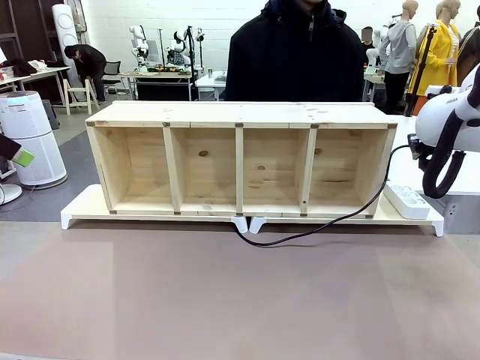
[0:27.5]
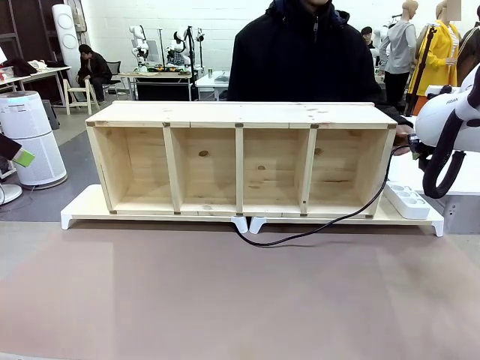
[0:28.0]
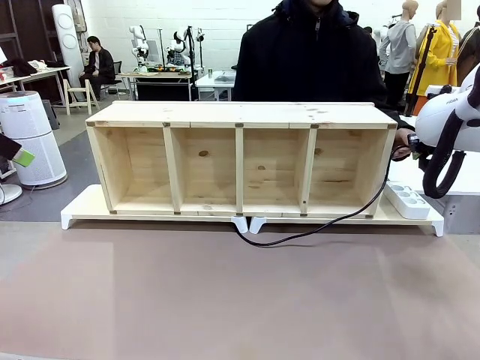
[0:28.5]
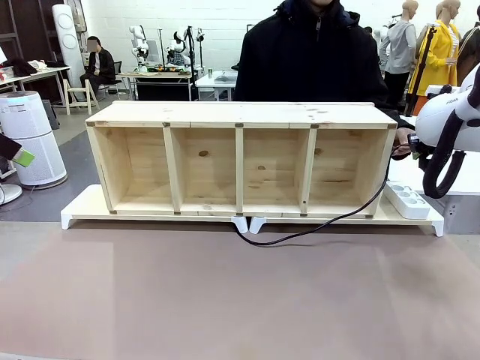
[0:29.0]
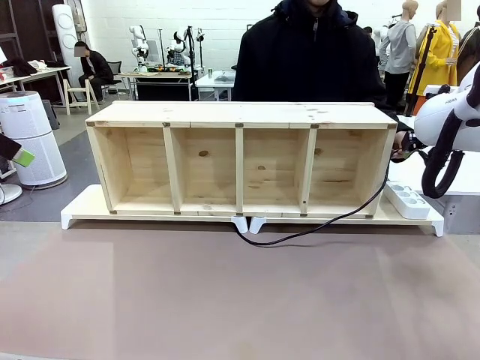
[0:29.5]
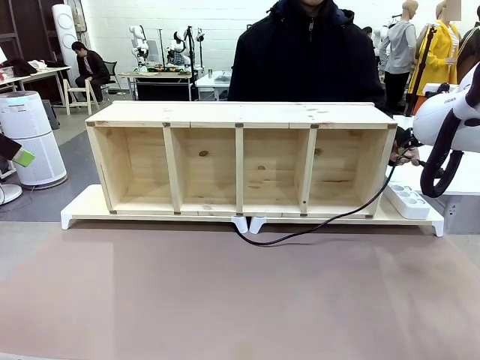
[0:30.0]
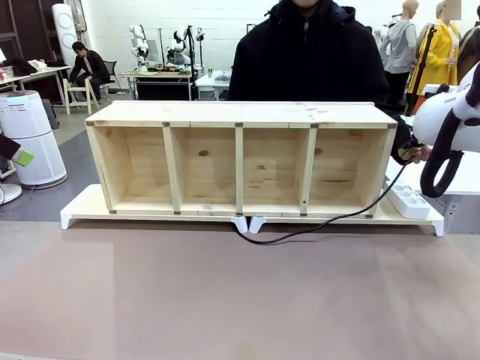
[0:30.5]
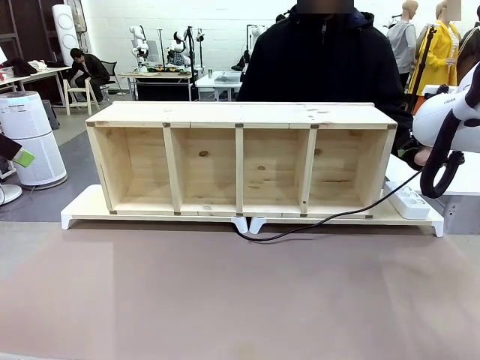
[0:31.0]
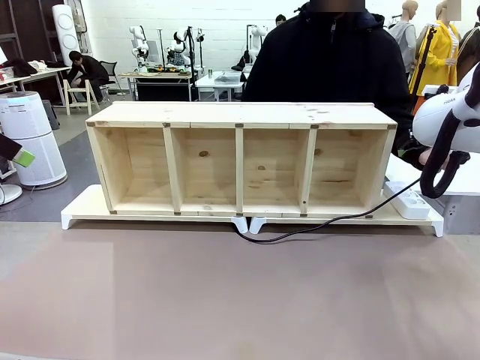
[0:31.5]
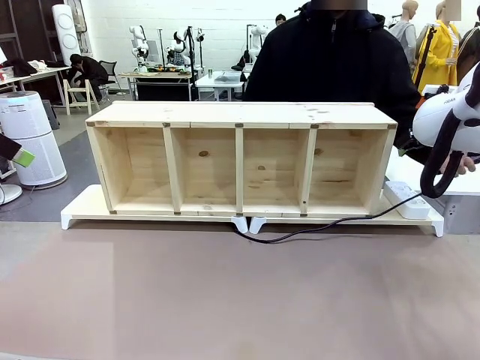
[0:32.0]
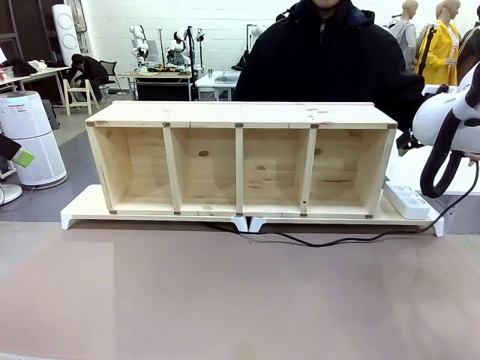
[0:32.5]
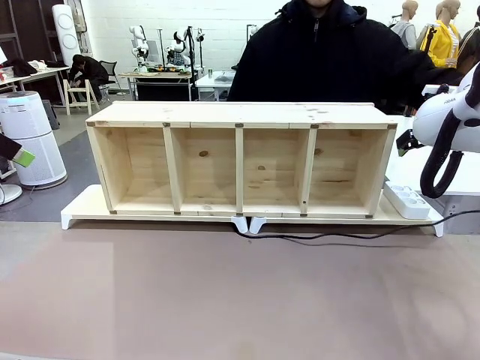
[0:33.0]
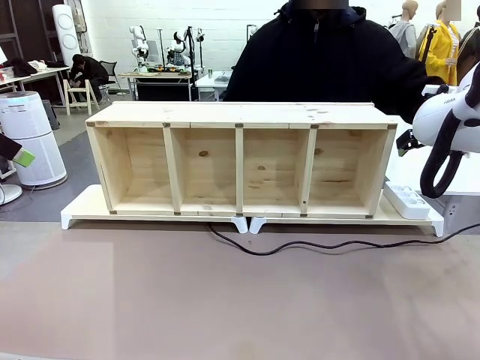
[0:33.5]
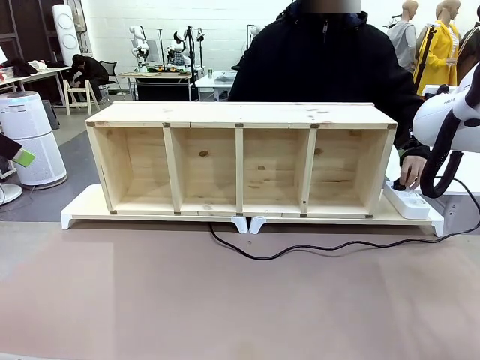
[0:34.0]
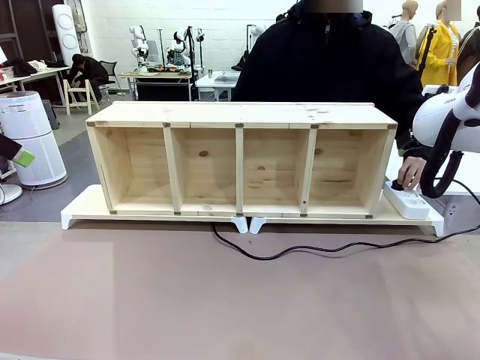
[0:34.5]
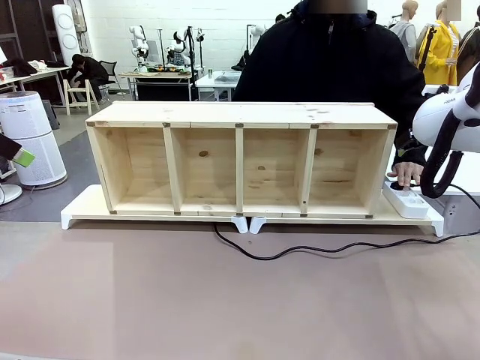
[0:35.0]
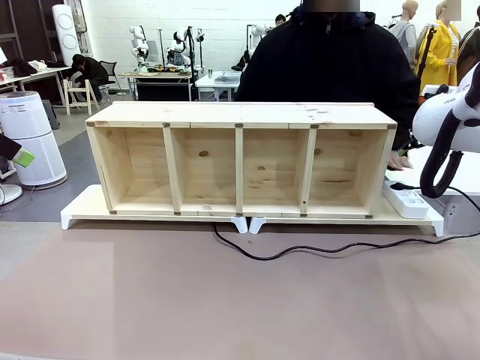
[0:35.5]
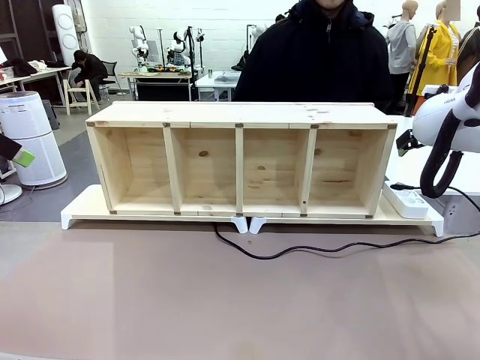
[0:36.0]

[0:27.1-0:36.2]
Task: Perform cable management.
Robot: Release the Power Cable when the human grasps it.
Person: Plug the Power Cable into the Power Strip.

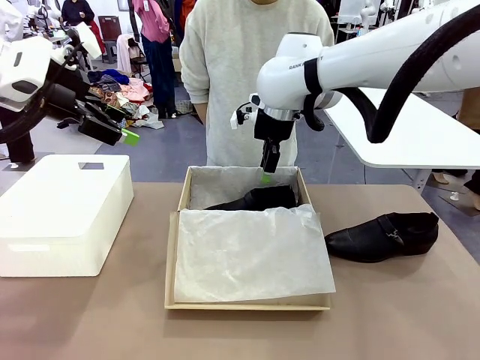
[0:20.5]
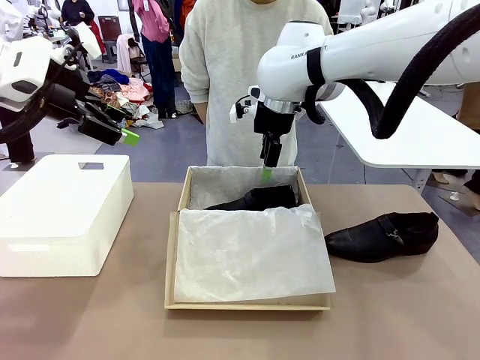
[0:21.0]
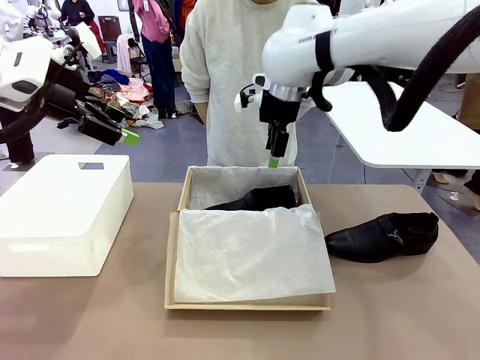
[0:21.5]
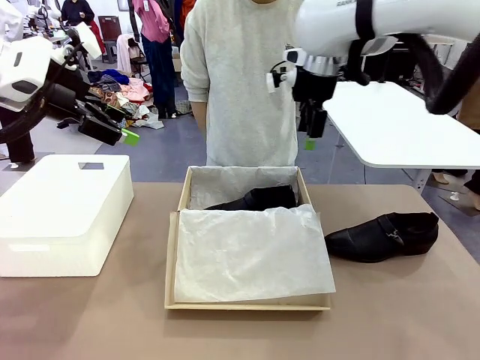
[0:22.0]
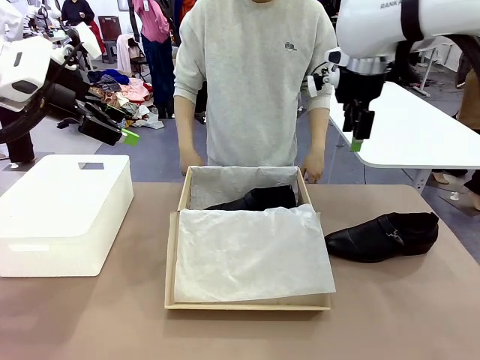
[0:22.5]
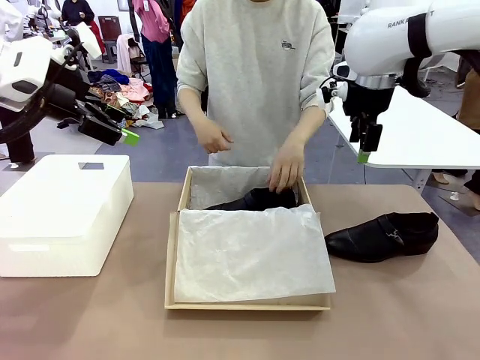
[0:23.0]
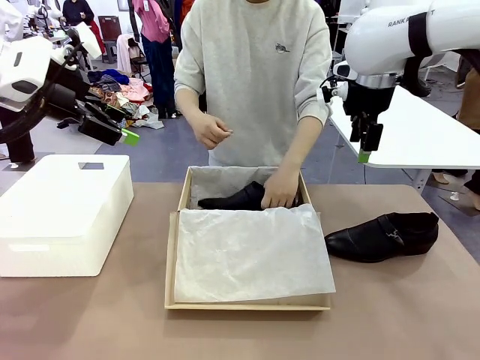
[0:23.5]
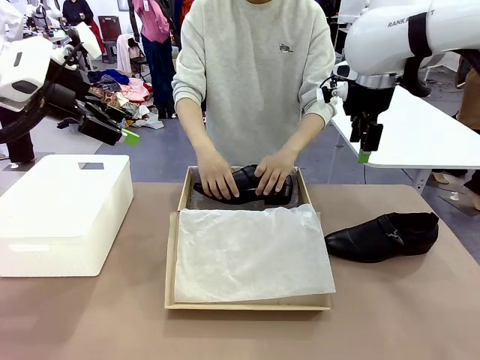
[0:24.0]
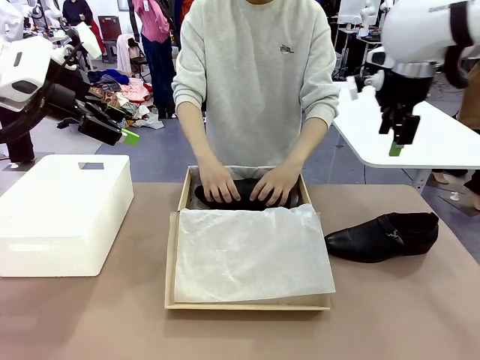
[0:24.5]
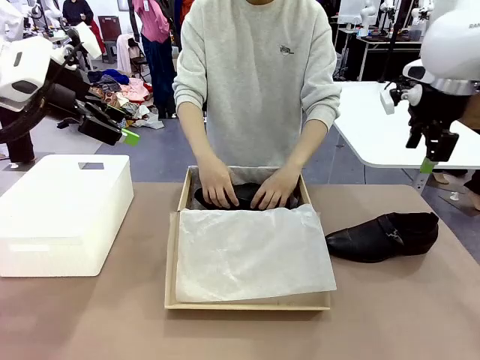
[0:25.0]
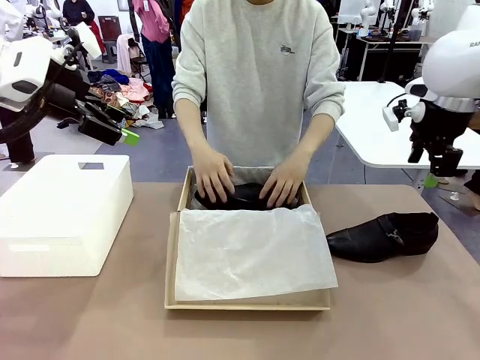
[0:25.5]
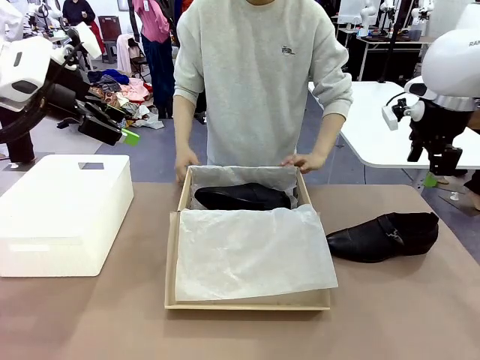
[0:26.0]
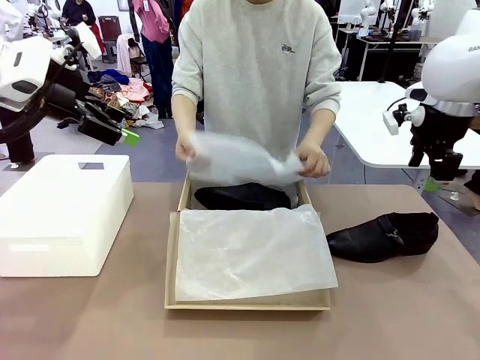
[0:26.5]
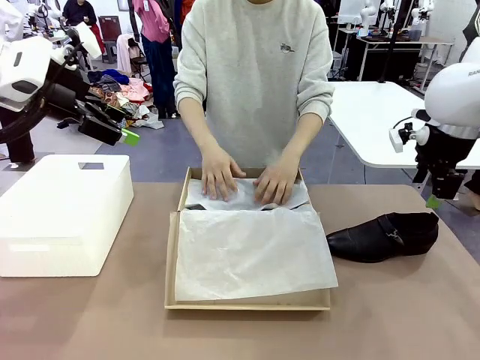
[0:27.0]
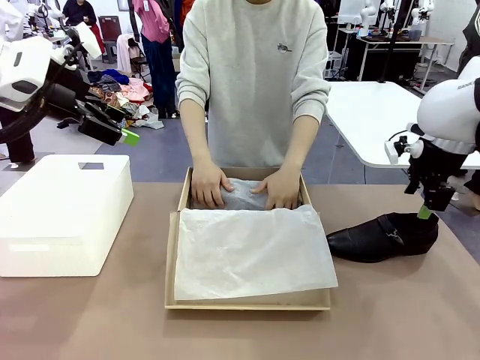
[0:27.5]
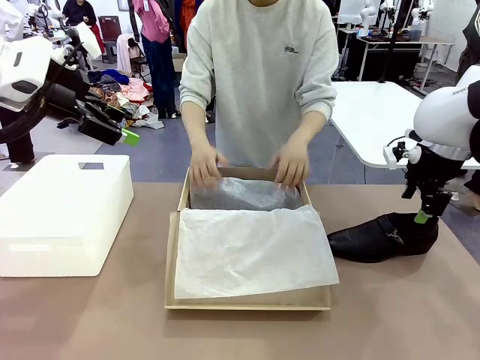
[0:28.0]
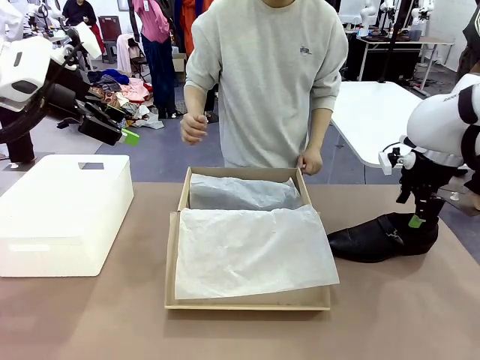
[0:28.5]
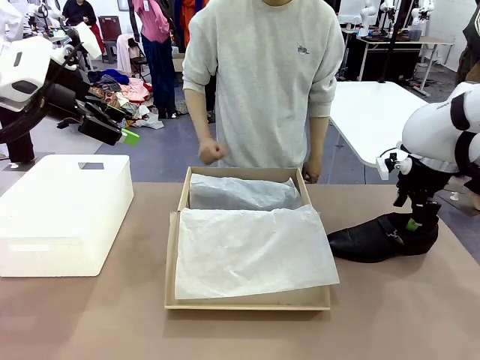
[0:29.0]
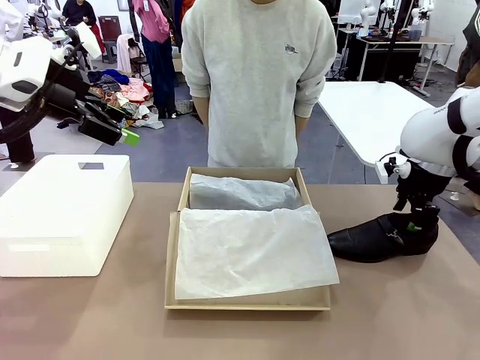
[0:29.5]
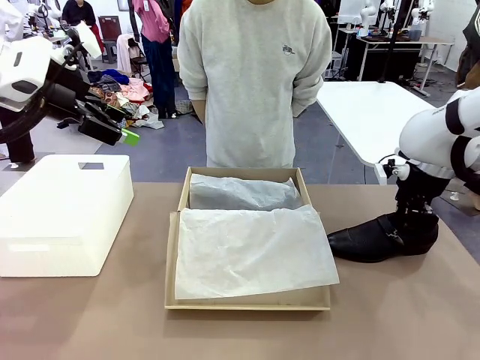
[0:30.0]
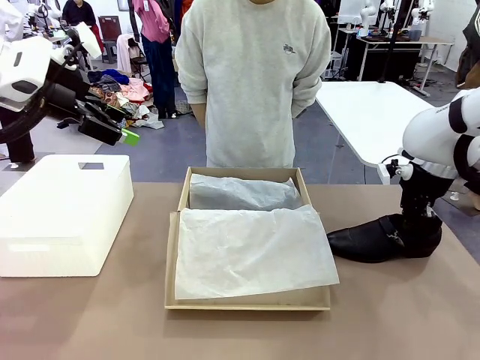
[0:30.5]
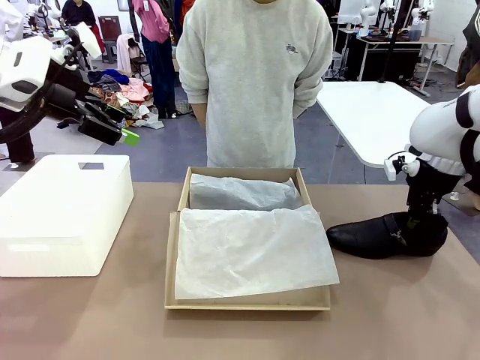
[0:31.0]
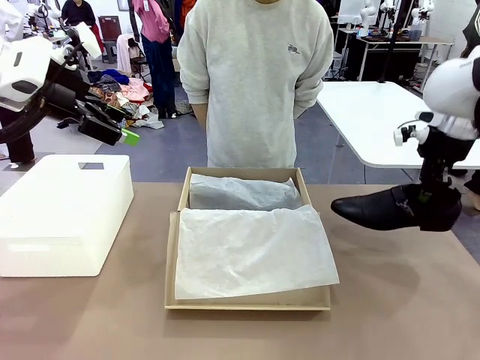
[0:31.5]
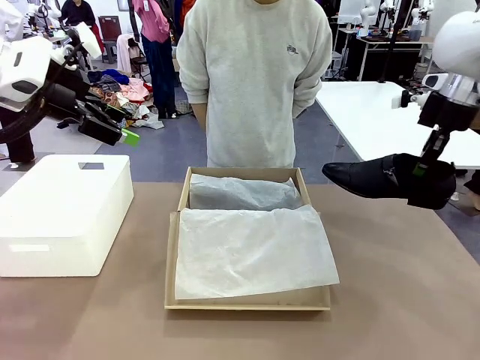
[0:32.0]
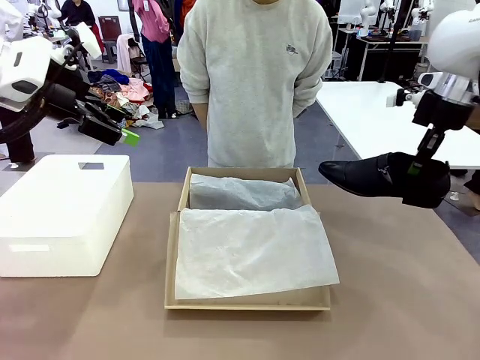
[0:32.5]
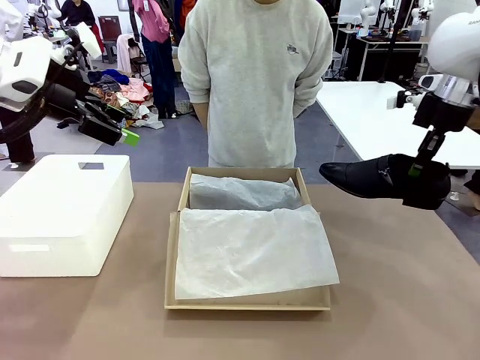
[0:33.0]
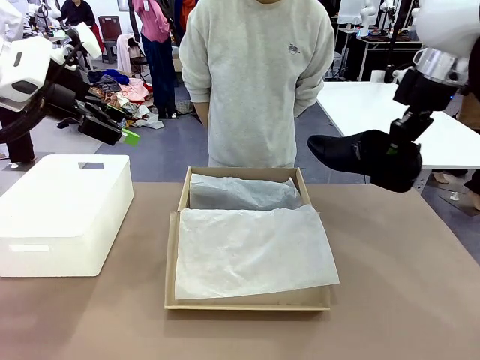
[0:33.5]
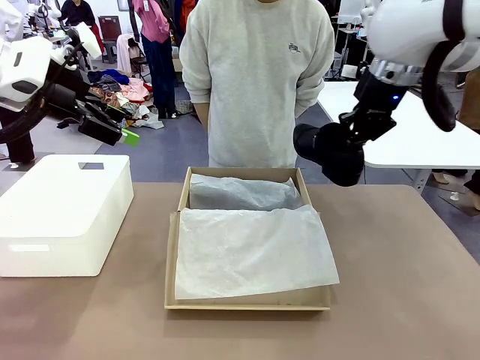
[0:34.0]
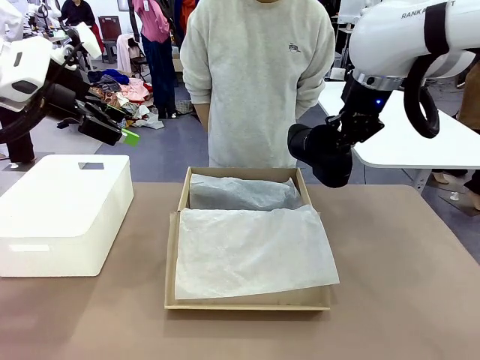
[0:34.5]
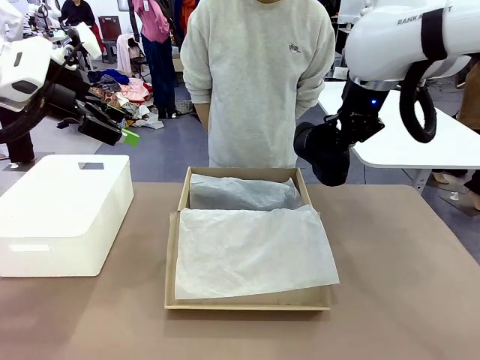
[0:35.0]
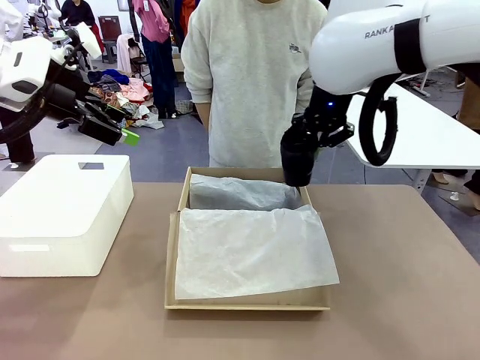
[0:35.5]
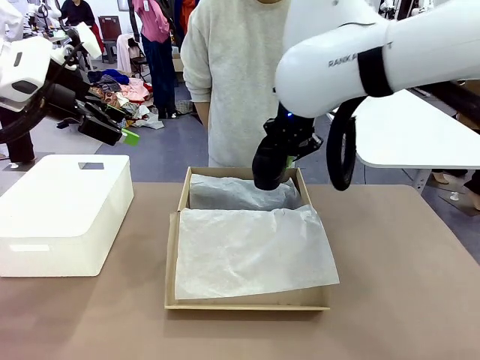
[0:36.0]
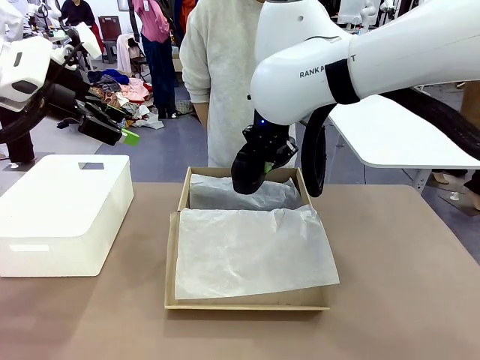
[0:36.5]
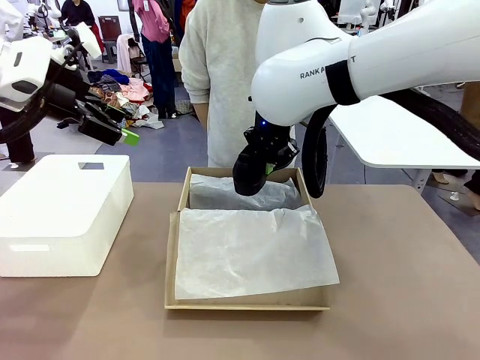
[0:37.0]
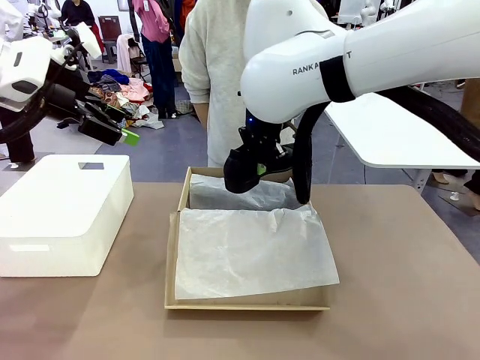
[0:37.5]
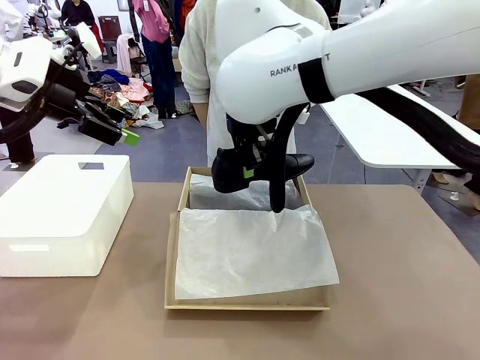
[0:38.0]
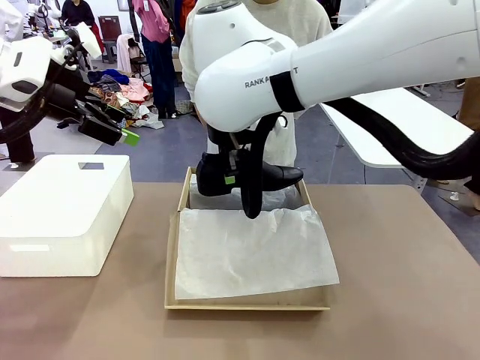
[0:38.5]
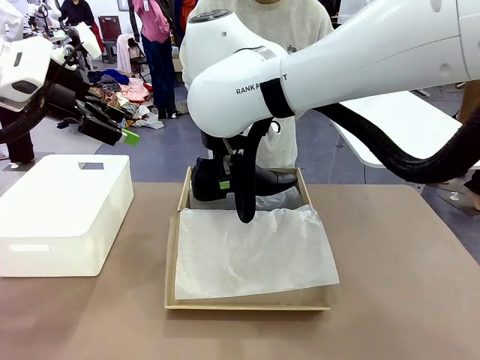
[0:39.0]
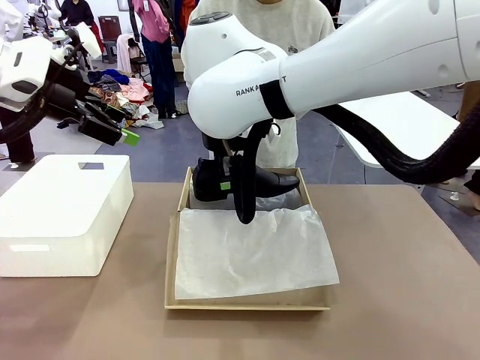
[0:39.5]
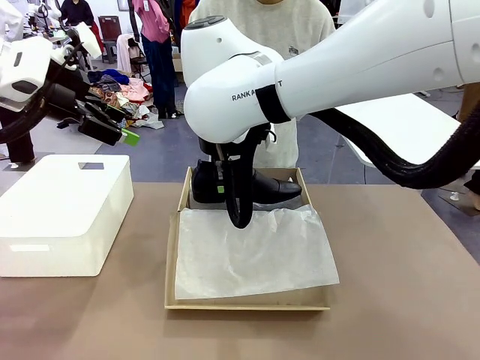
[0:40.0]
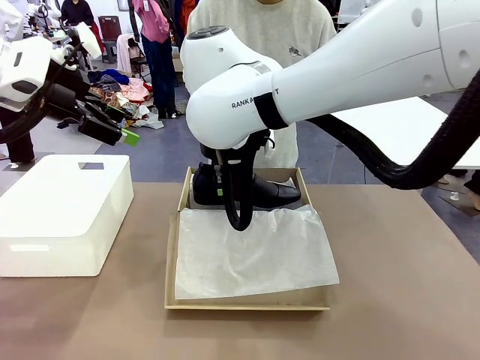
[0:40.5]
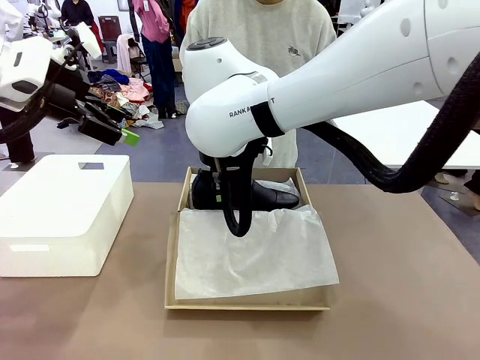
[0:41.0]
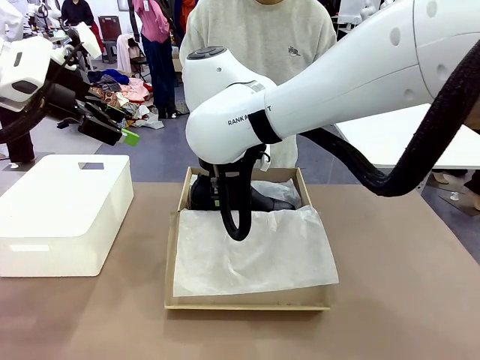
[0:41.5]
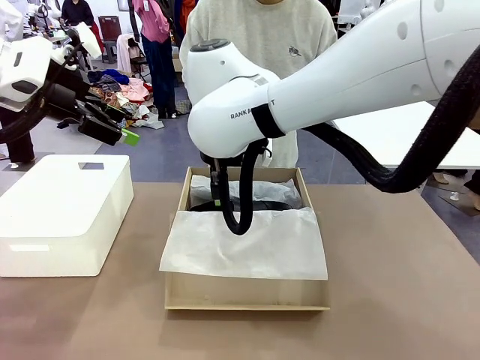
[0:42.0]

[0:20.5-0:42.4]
Task: Pack the shoes into the box.
Robot: Place the other shoe of the Shoes into the Shoes Box.
Person: Pack a shoe of Shoes inside the Shoes Box with Shoes Wrapping Paper.
